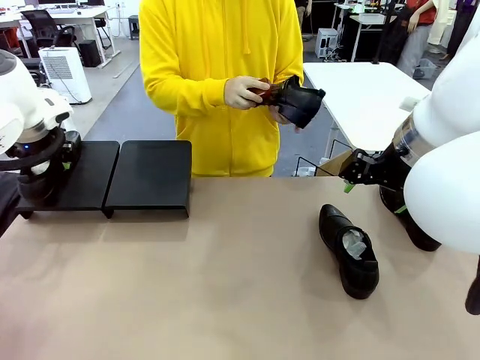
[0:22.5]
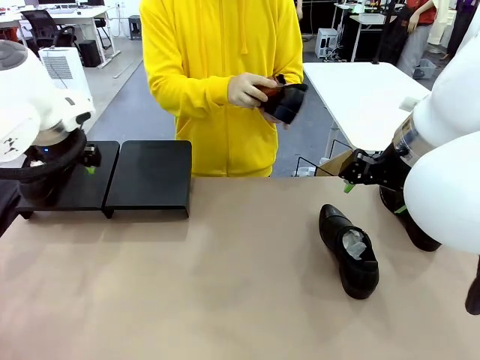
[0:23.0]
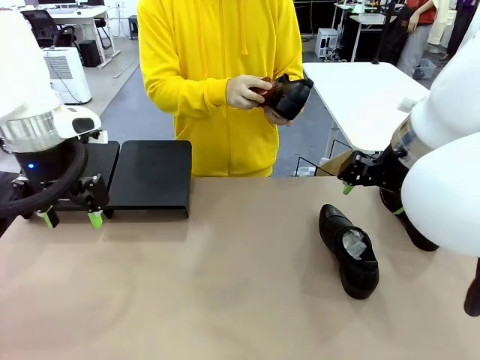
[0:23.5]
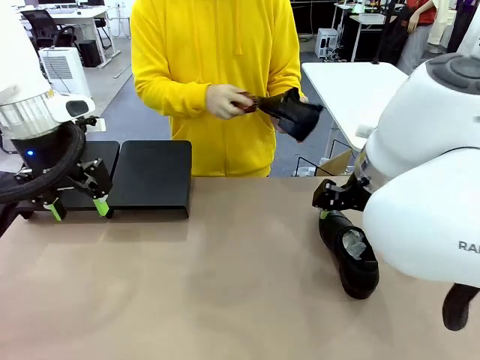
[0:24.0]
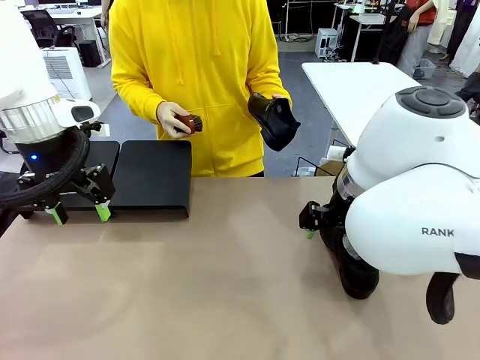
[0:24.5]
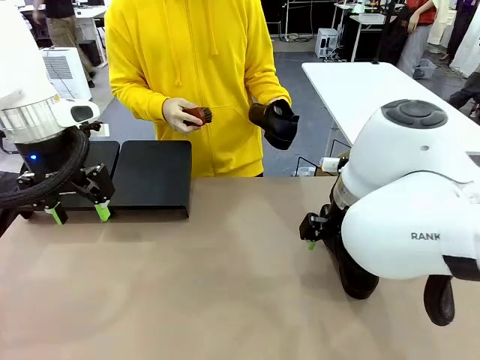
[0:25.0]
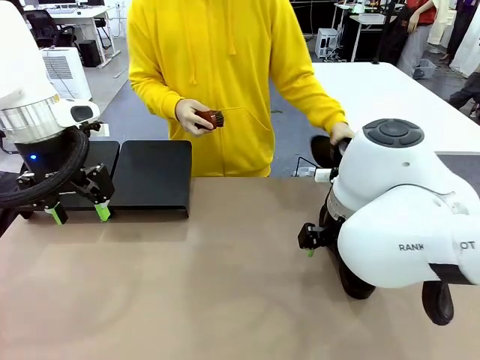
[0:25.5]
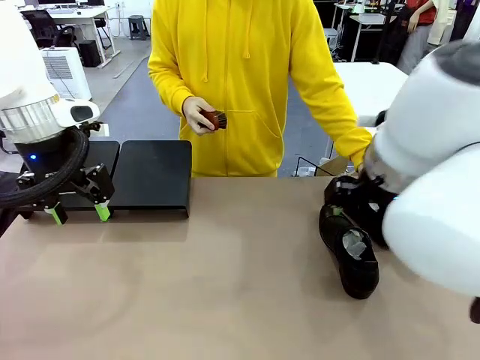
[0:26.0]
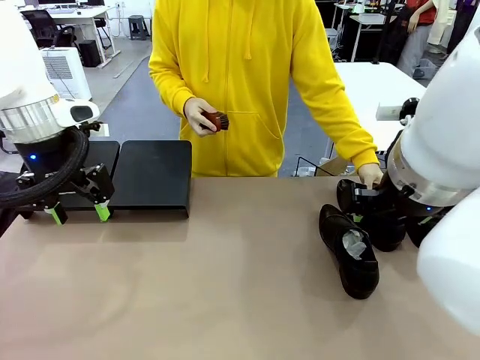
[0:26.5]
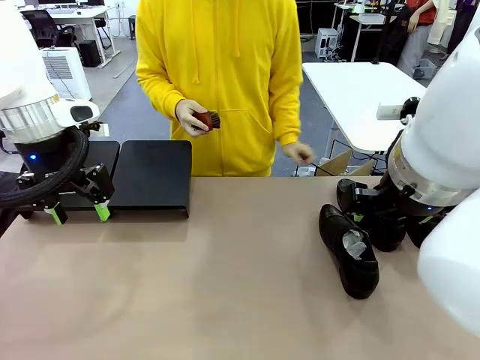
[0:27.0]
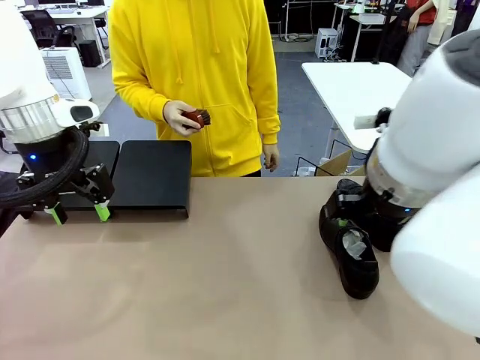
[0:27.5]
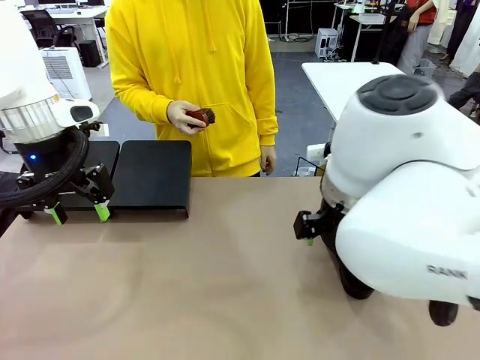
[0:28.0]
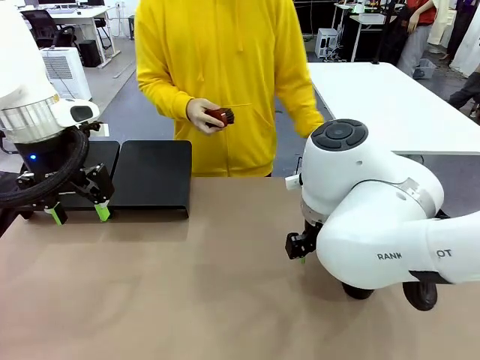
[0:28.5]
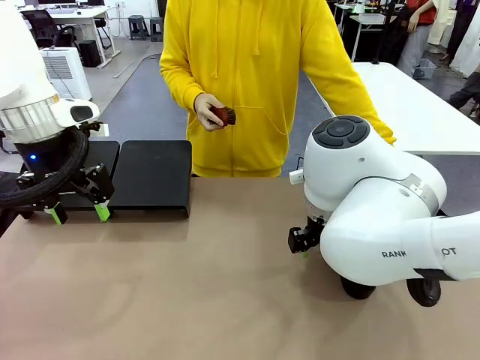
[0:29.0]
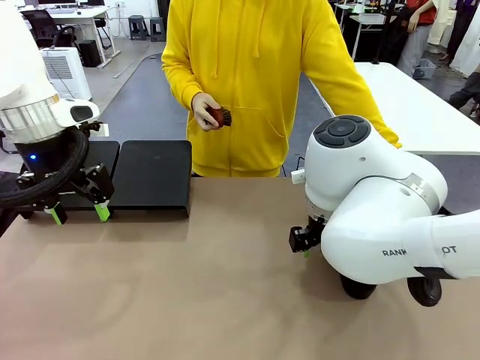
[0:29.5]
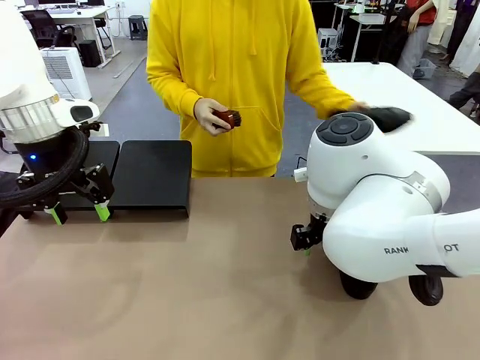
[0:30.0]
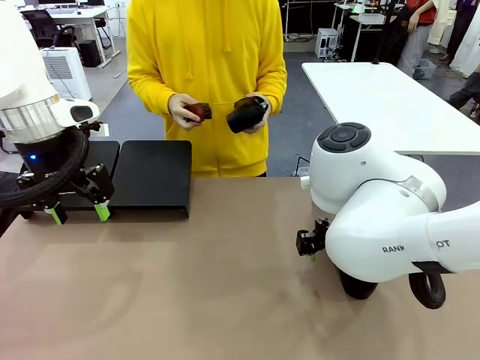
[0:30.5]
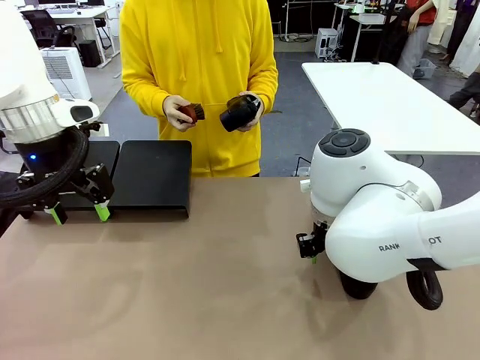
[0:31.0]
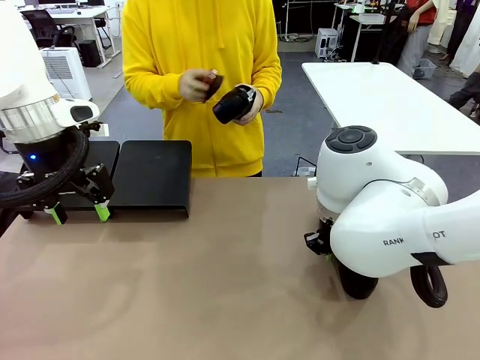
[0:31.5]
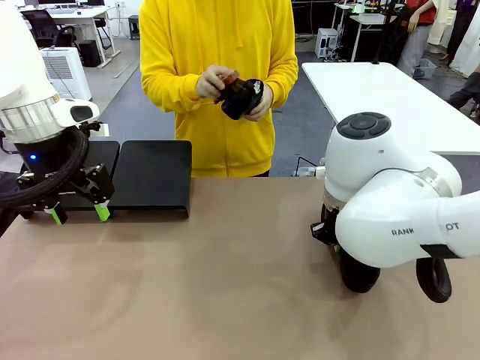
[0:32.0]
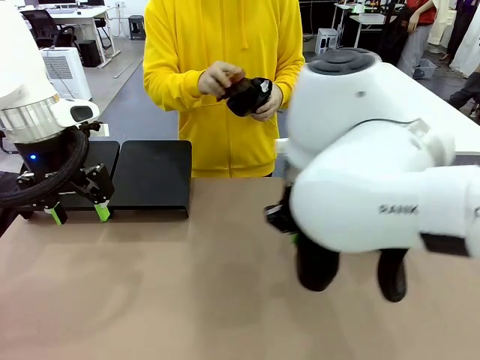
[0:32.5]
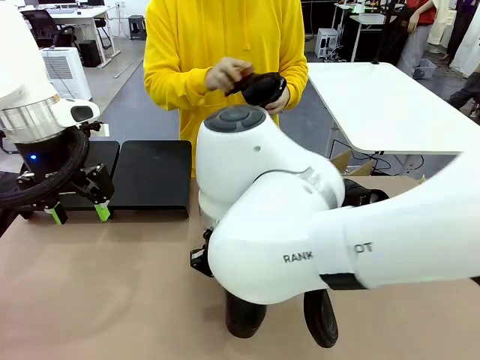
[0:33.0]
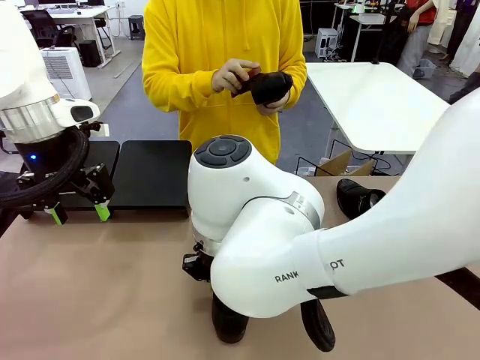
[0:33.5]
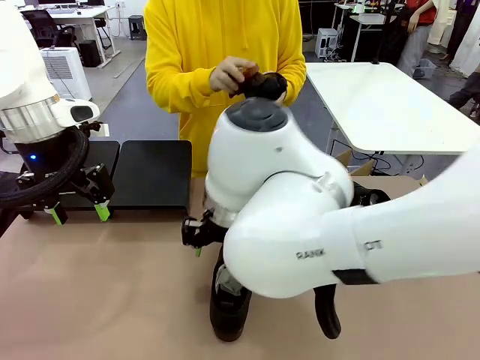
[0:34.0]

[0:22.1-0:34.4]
Task: Organize the shoes by placing them on the stand.
Robot: Pick up one Shoe and place it in the middle of the table.
Person: Place the Shoe on left side of the Robot's table. Pick one Shoe on Robot's table.

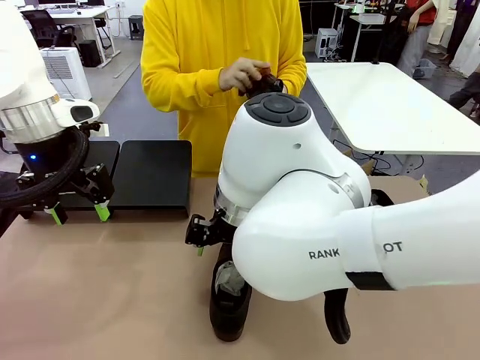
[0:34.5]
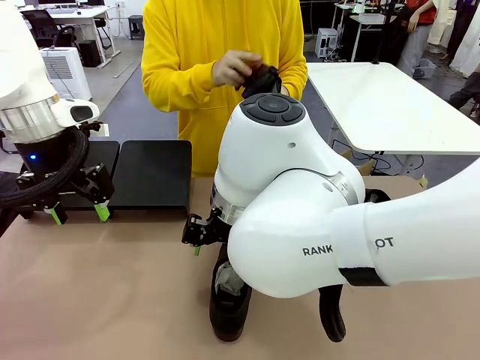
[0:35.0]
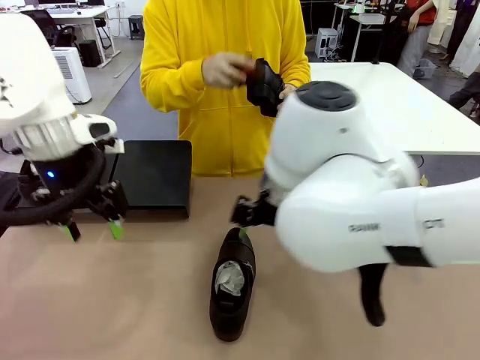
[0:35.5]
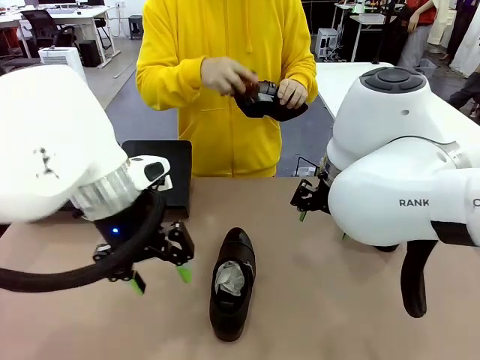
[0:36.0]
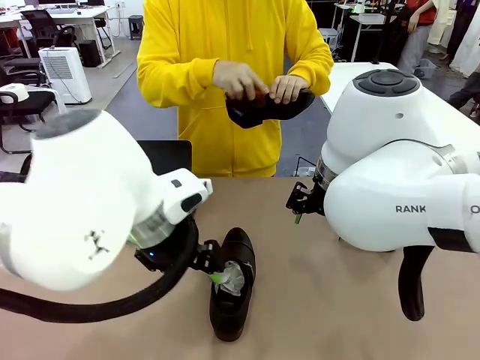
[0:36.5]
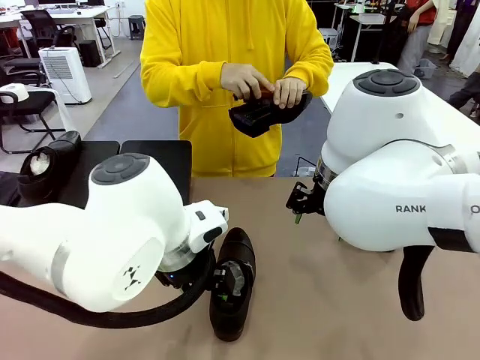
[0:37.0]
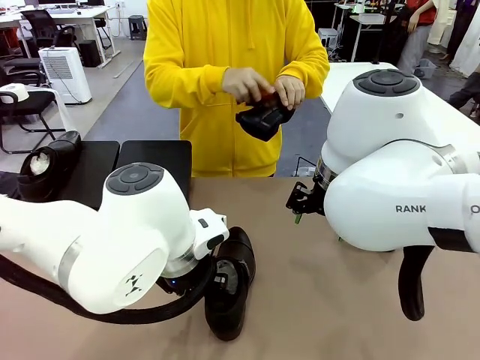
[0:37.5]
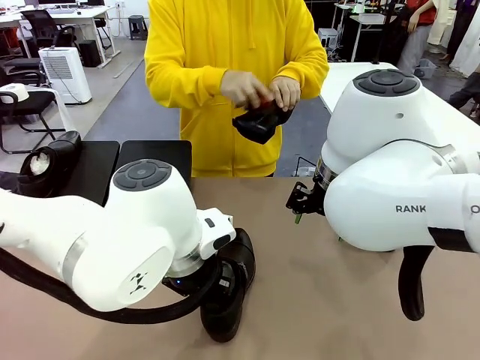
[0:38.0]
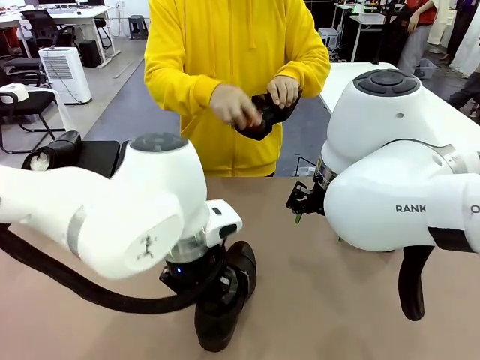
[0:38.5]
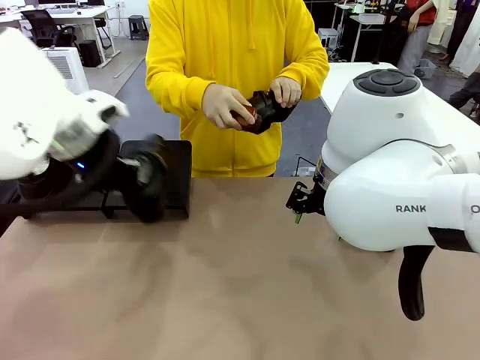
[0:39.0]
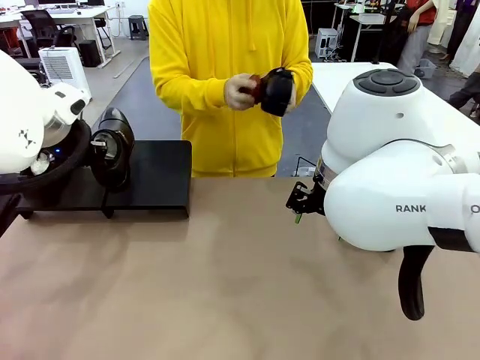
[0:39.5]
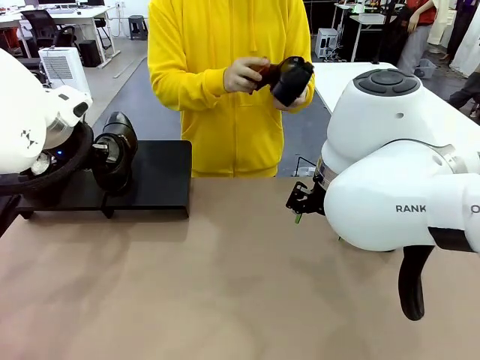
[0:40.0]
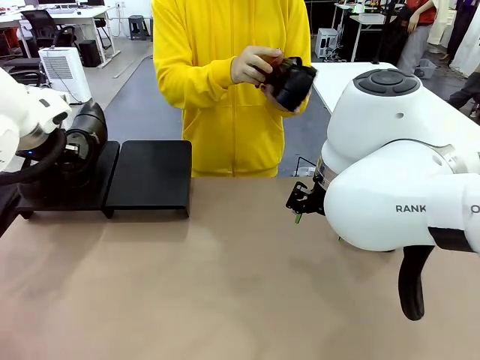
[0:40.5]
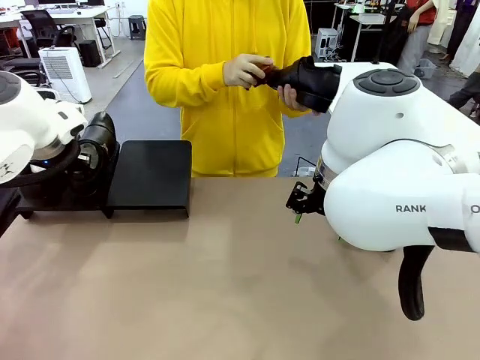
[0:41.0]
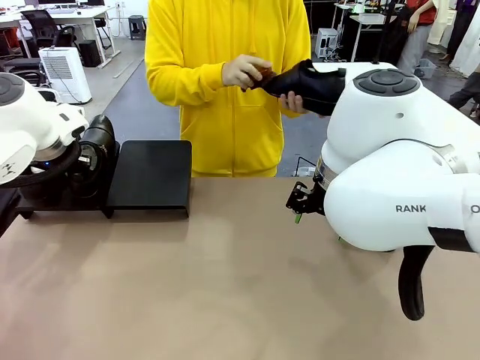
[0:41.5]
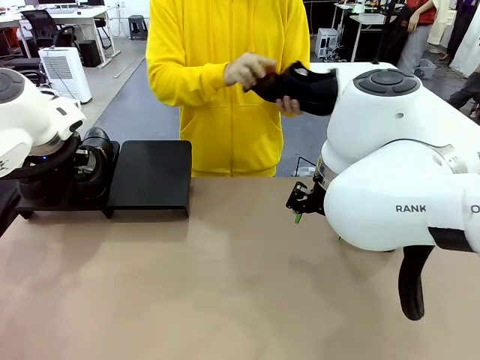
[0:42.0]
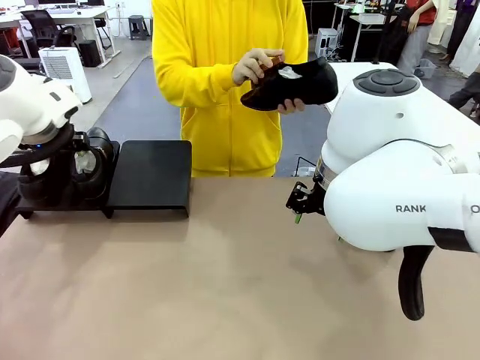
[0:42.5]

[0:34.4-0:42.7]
Robot: Place the Shoe from the middle of the table onto the Shoes Stand.

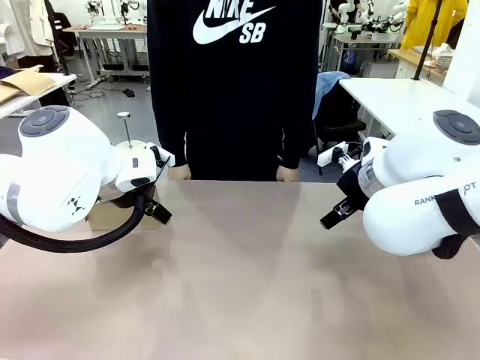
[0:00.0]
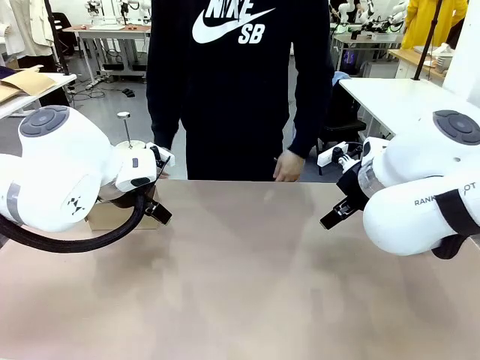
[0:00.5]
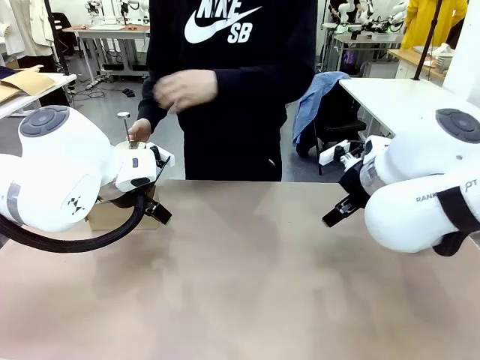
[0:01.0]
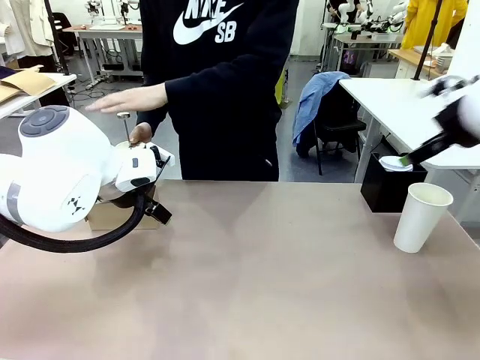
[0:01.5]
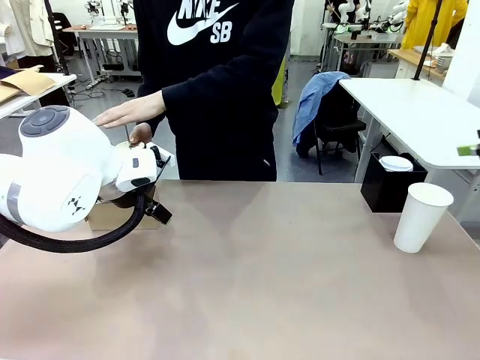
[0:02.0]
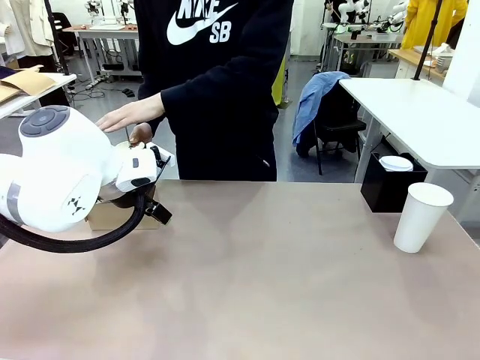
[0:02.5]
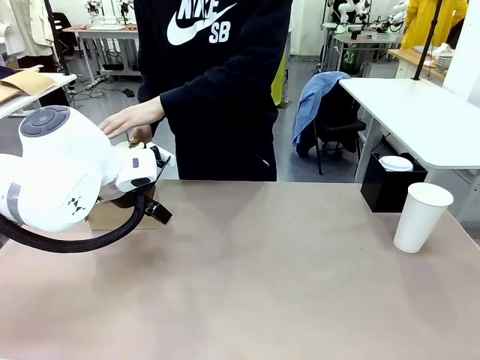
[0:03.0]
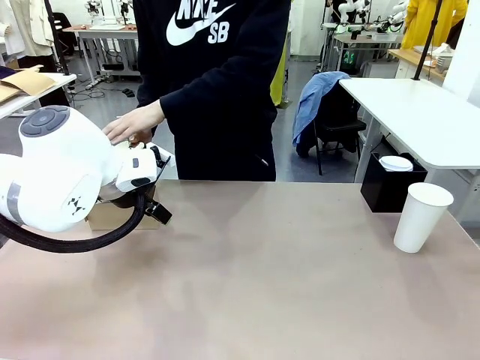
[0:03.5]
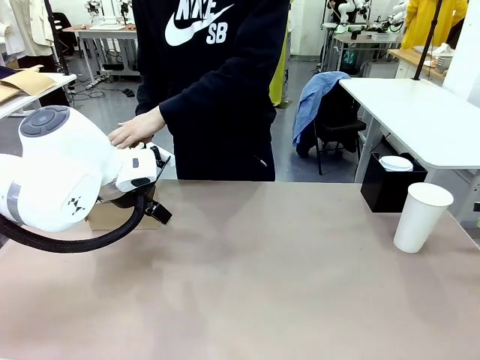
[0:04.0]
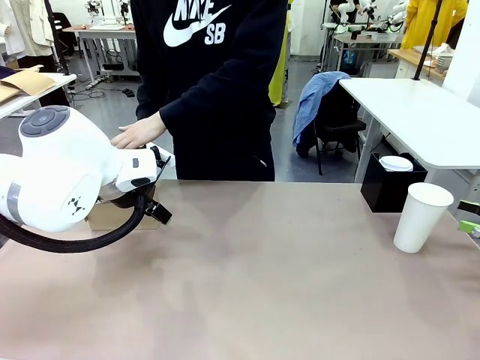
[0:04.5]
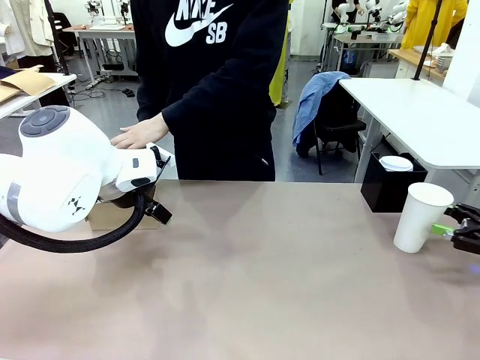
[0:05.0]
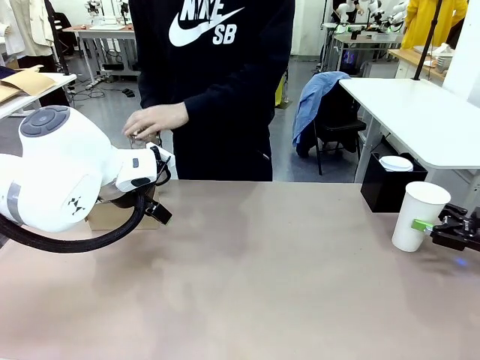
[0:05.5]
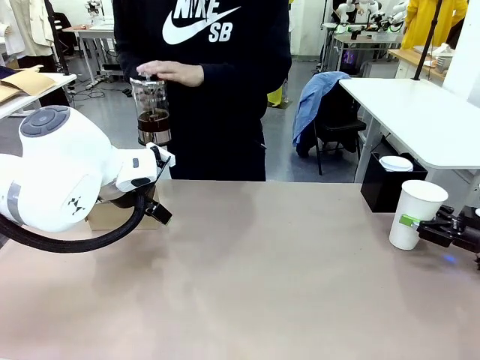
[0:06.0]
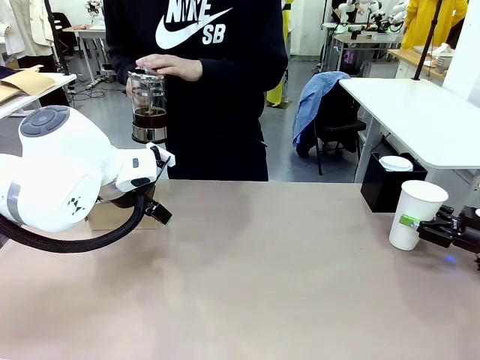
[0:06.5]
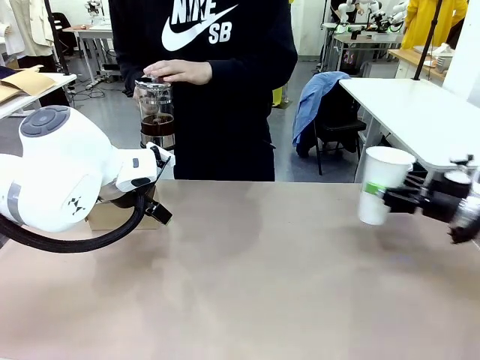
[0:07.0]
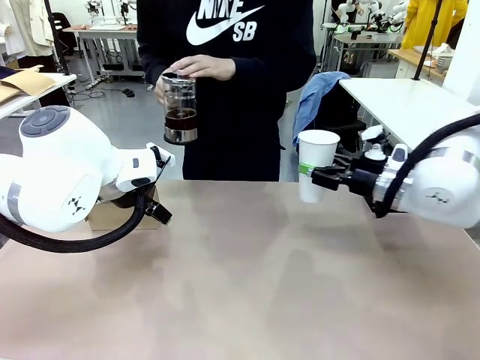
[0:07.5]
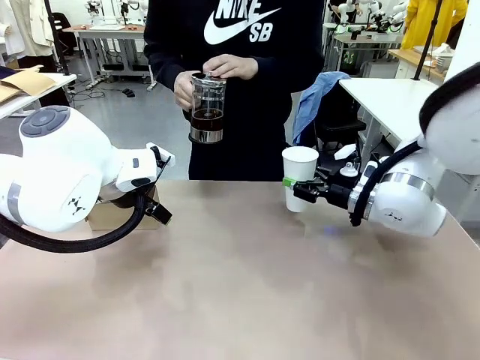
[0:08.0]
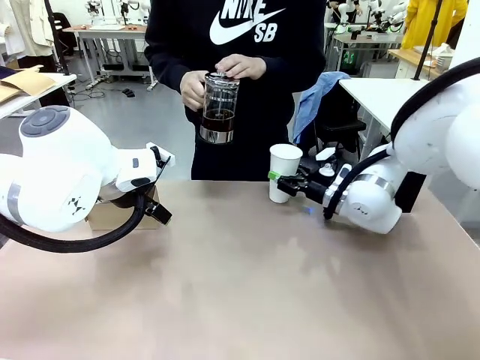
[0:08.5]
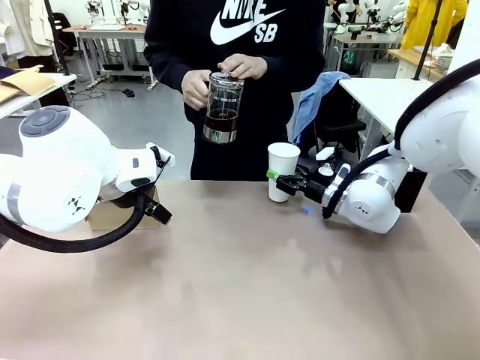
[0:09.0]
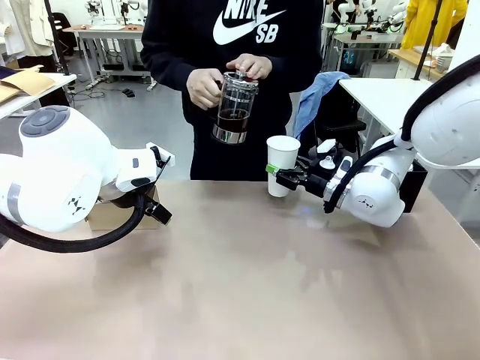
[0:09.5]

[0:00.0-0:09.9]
Task: Pour a drink into a cup and package it in a carrier.
Robot: Pick up the 600 ml Paper Cup and place it in the middle top area of the table.
Person: Press and pick up the Filter Brewing.
